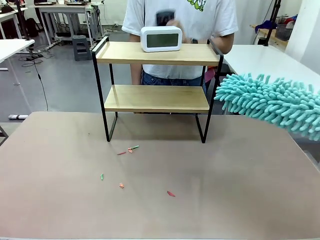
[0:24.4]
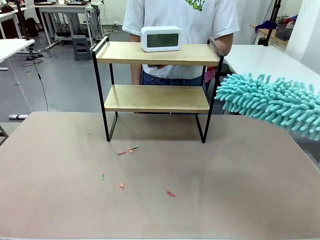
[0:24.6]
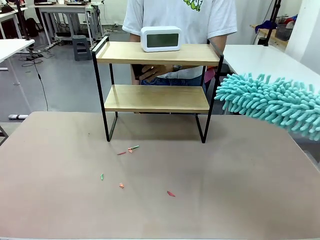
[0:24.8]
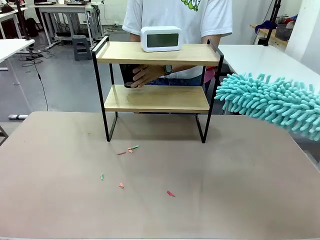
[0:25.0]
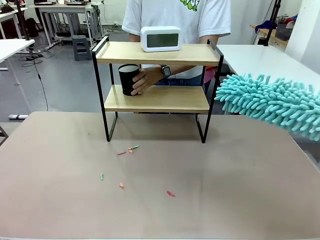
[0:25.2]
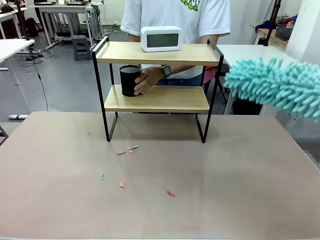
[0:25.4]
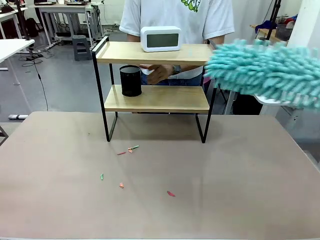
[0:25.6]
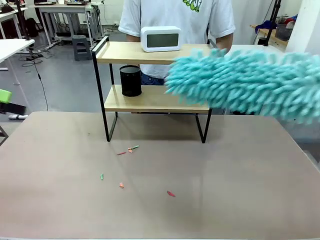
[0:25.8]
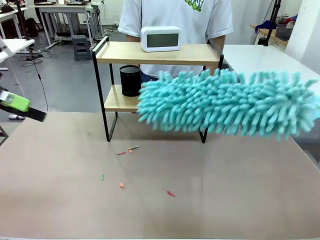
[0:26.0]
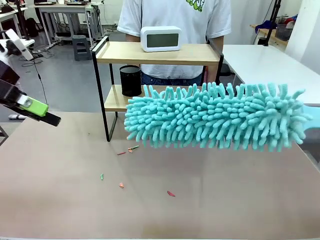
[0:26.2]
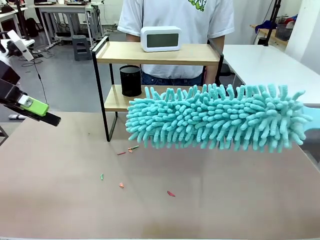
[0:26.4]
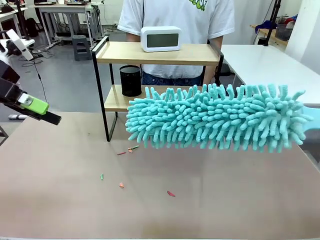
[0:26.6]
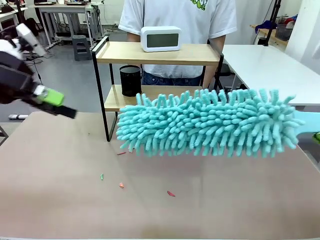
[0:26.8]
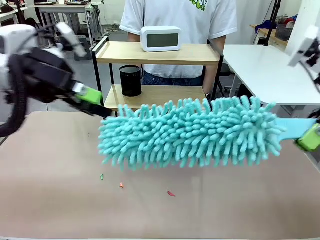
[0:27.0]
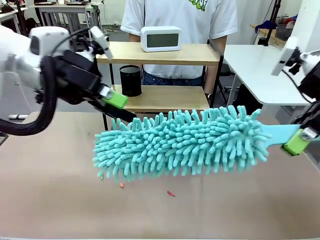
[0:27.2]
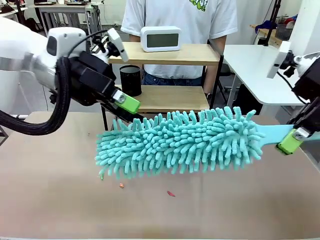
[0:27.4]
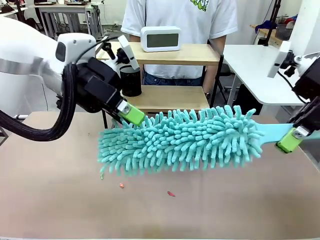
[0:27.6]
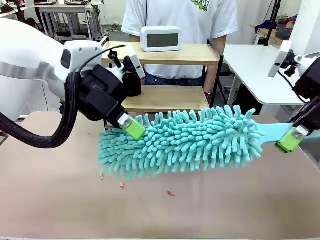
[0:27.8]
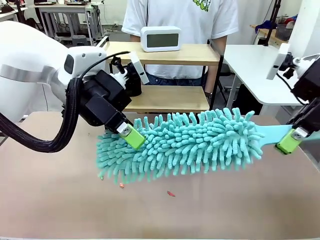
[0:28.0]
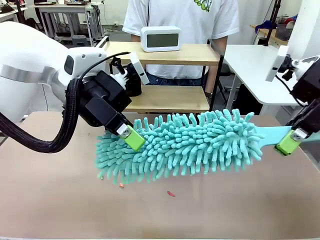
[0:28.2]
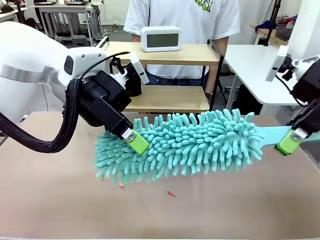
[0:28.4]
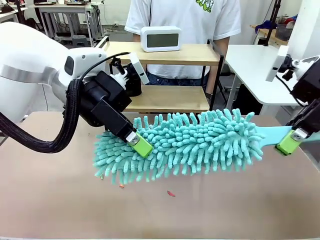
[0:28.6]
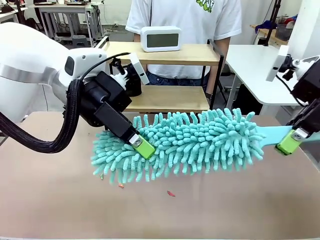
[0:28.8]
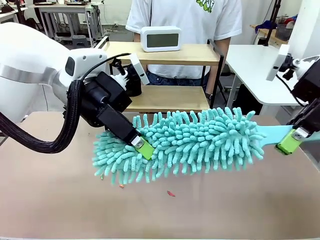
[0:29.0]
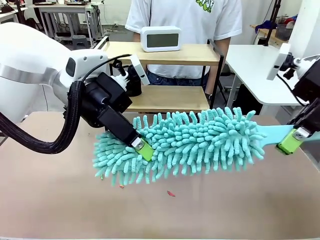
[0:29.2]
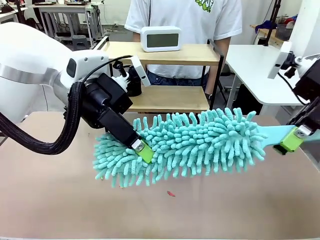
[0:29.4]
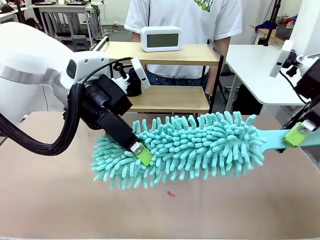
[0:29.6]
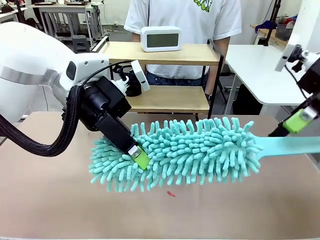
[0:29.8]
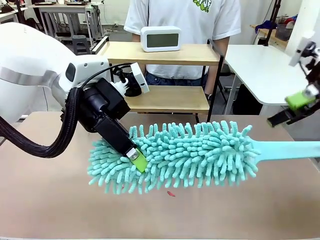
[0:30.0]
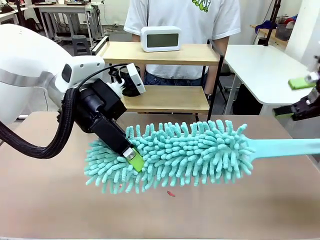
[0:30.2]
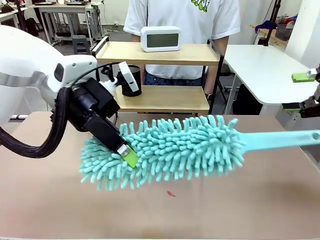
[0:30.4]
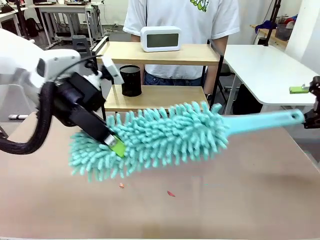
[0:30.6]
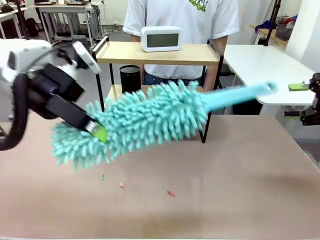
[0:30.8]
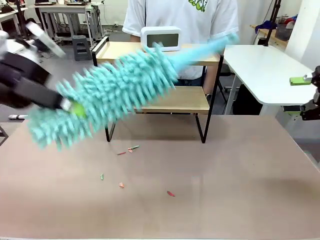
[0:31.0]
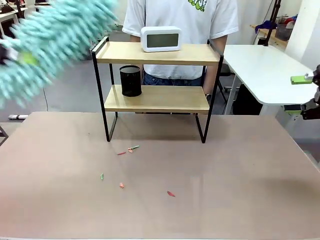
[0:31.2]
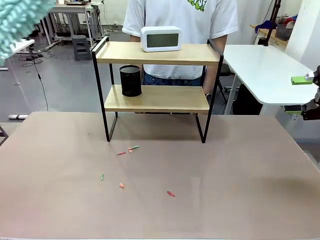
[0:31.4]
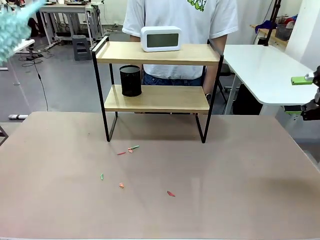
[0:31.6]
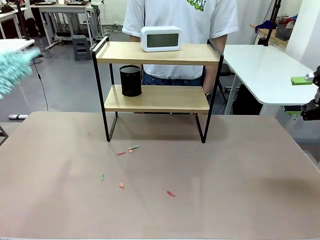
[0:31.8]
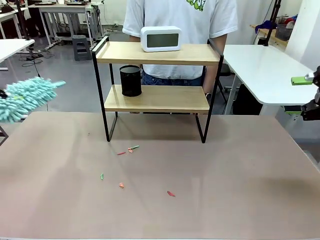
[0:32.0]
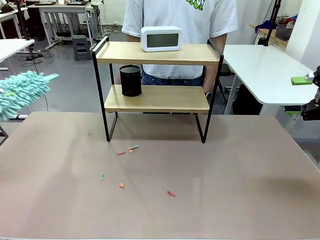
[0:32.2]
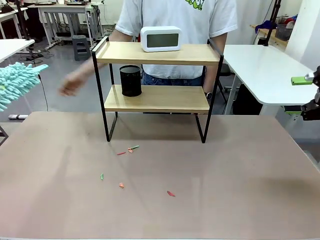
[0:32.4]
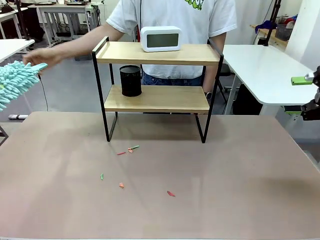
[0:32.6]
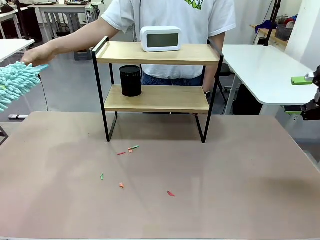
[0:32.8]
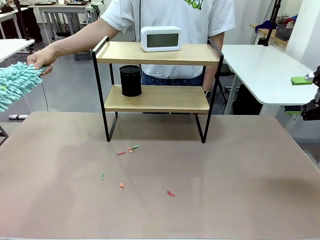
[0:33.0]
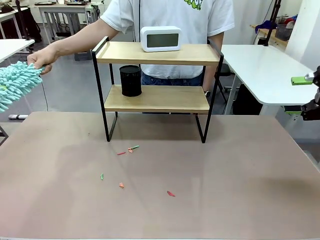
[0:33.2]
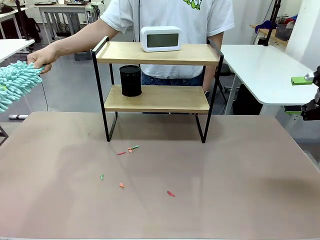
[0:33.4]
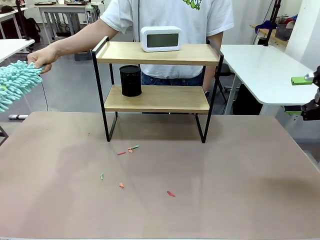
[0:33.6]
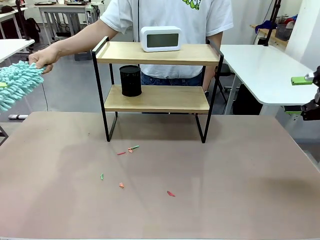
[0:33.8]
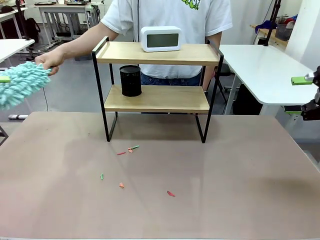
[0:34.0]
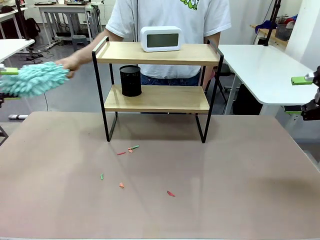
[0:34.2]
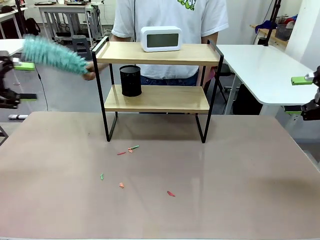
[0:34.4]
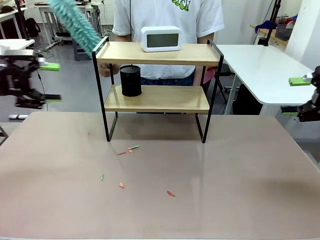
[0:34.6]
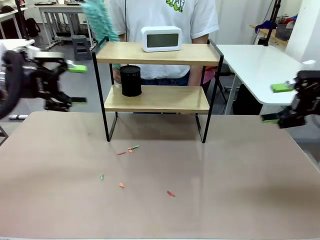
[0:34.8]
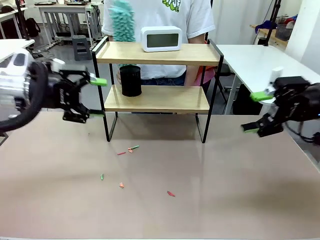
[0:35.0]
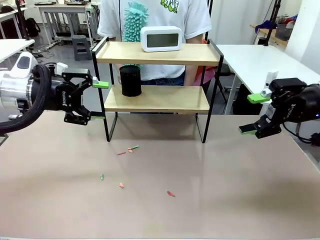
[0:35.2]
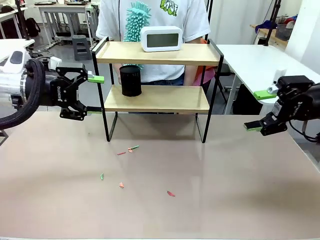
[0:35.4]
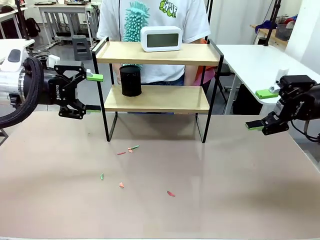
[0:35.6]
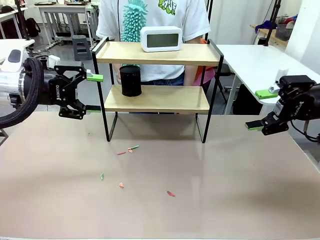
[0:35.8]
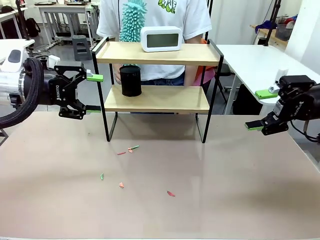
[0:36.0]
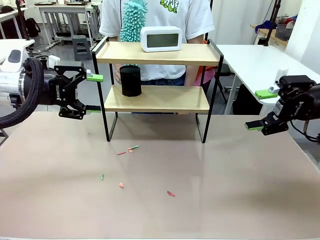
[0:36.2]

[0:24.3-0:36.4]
Task: Clean the shelf.
Robot: Hand the Duster back to the human.
Person: Receive the Duster from the robot.

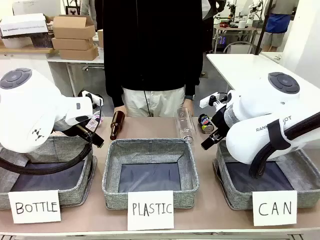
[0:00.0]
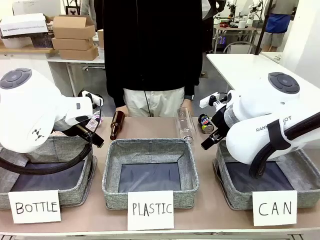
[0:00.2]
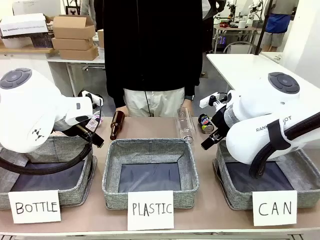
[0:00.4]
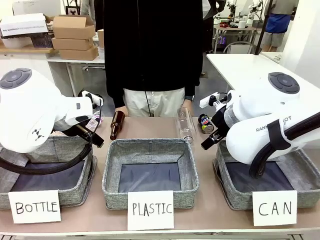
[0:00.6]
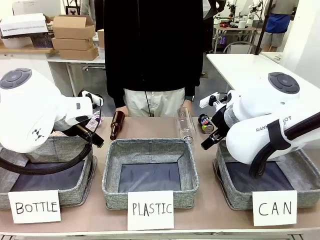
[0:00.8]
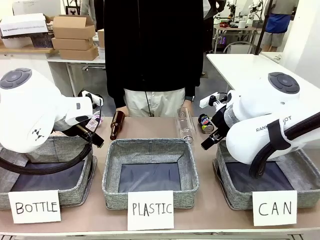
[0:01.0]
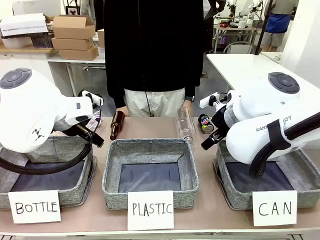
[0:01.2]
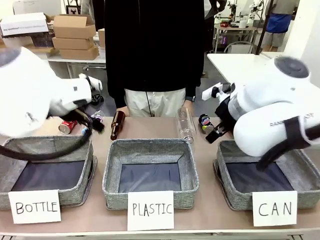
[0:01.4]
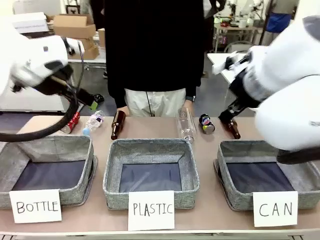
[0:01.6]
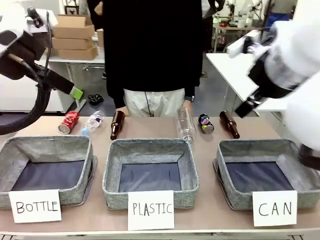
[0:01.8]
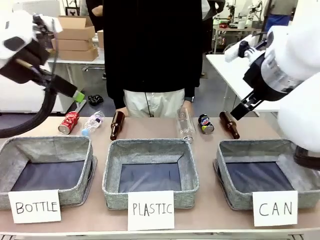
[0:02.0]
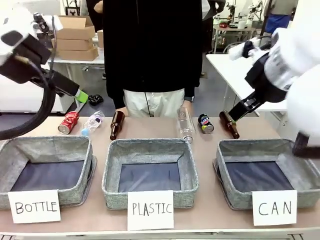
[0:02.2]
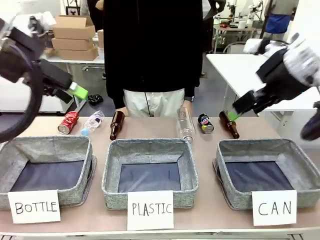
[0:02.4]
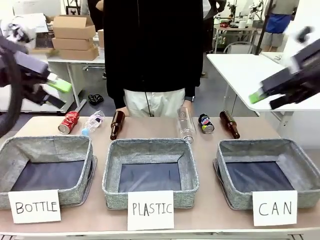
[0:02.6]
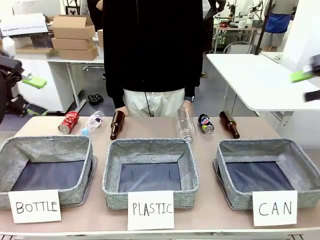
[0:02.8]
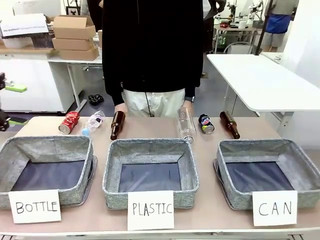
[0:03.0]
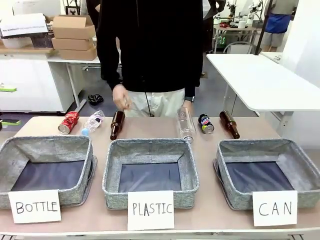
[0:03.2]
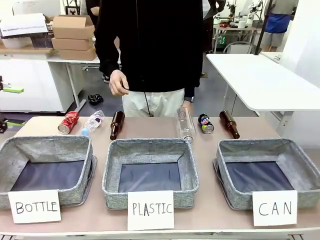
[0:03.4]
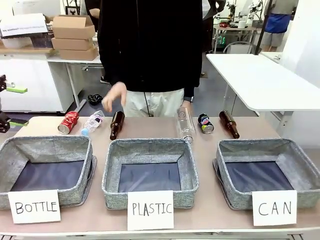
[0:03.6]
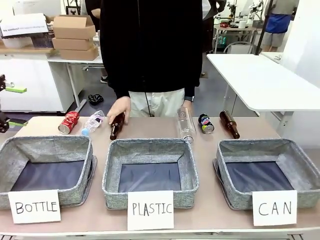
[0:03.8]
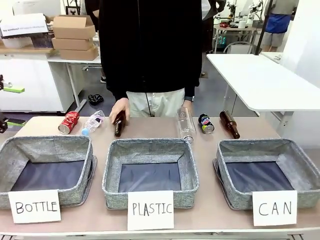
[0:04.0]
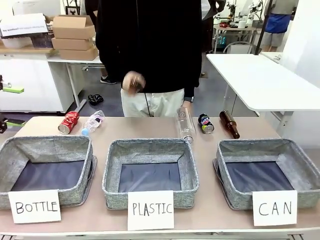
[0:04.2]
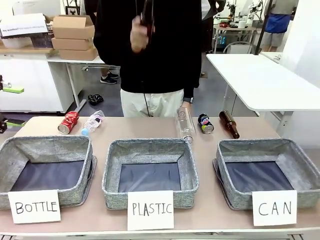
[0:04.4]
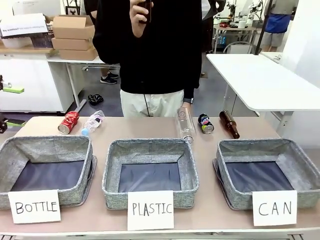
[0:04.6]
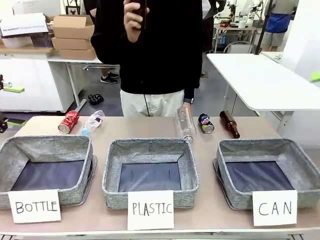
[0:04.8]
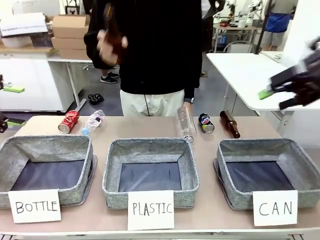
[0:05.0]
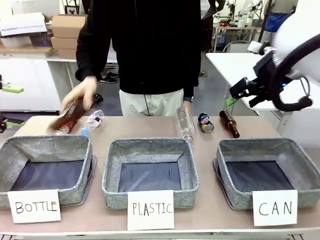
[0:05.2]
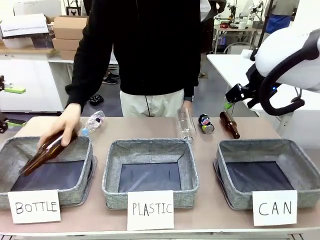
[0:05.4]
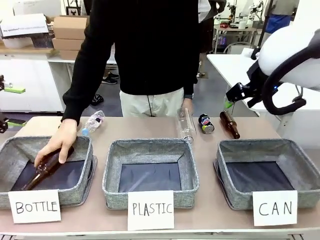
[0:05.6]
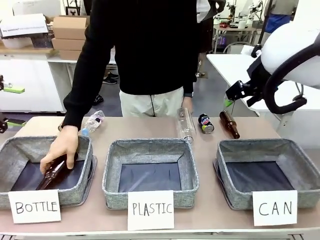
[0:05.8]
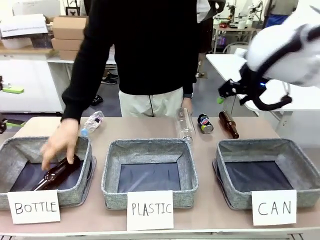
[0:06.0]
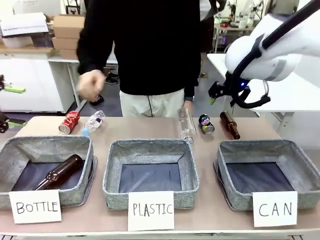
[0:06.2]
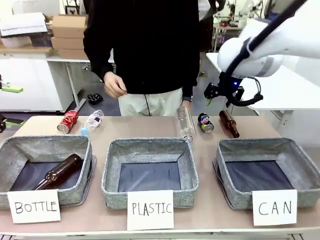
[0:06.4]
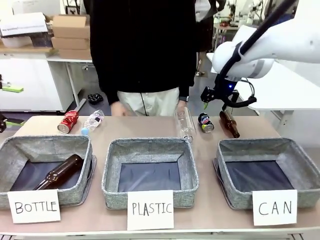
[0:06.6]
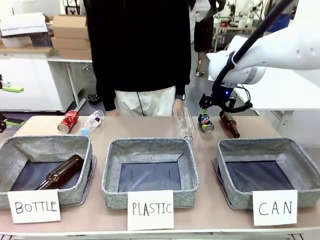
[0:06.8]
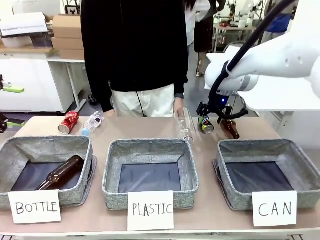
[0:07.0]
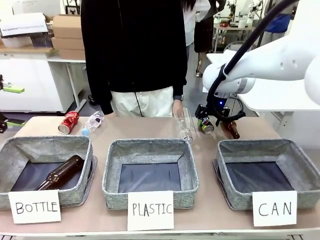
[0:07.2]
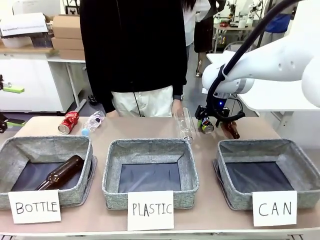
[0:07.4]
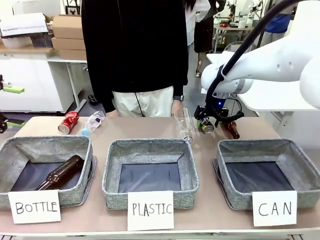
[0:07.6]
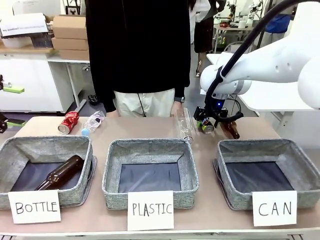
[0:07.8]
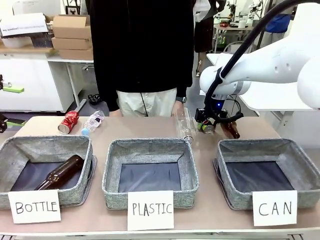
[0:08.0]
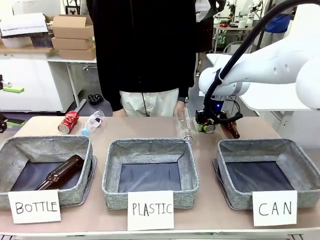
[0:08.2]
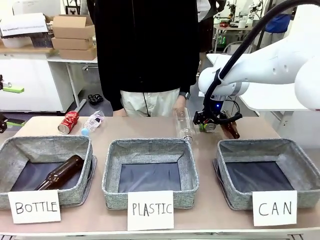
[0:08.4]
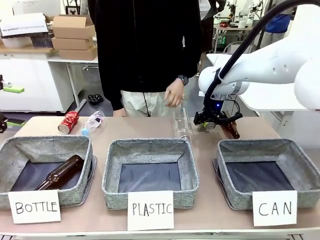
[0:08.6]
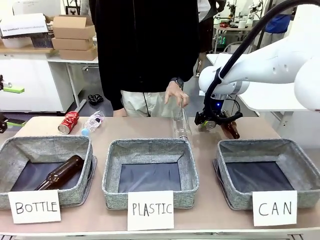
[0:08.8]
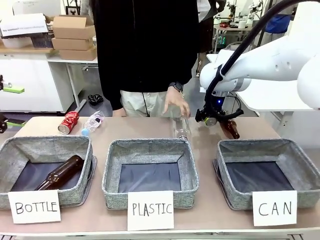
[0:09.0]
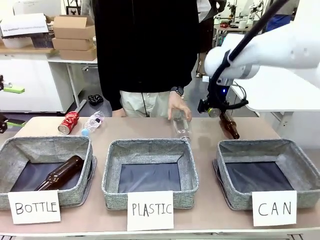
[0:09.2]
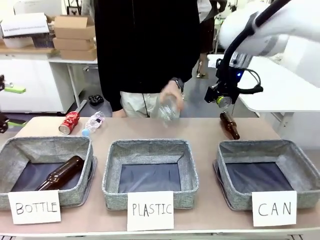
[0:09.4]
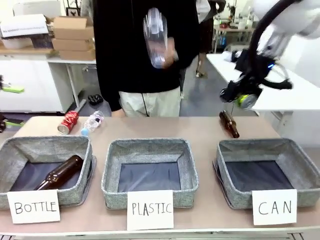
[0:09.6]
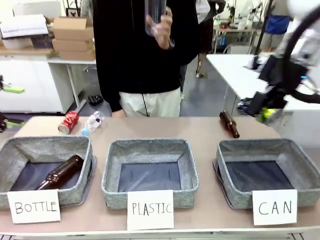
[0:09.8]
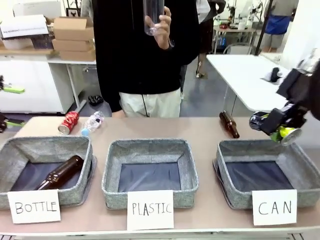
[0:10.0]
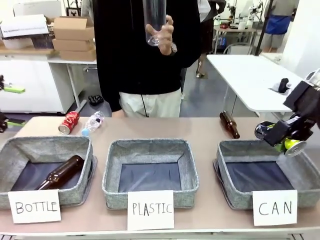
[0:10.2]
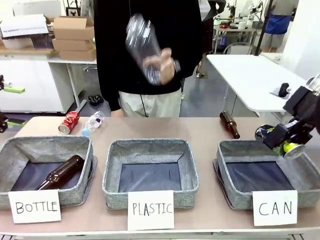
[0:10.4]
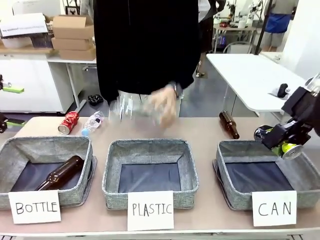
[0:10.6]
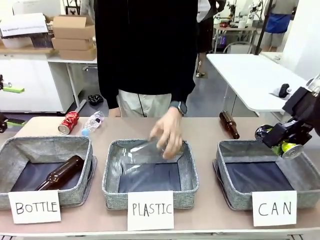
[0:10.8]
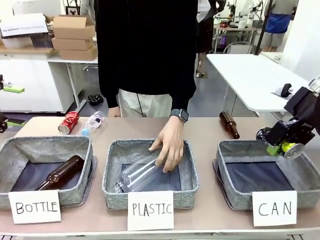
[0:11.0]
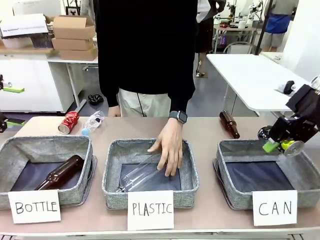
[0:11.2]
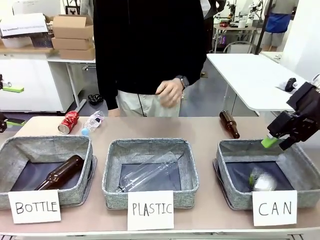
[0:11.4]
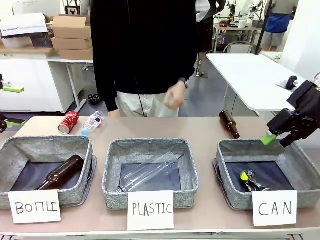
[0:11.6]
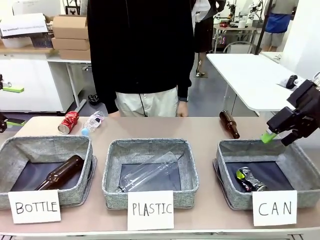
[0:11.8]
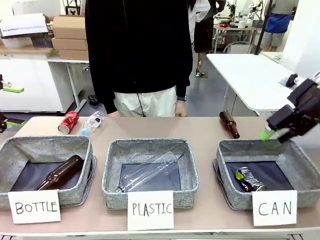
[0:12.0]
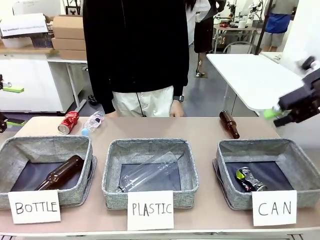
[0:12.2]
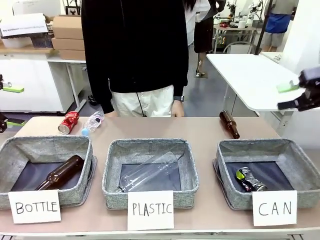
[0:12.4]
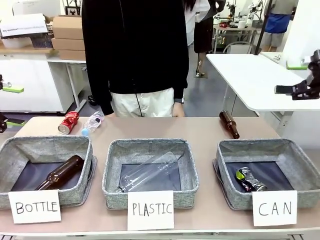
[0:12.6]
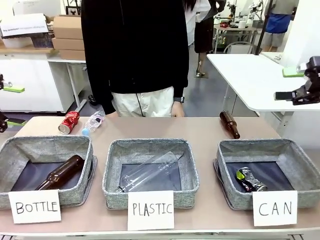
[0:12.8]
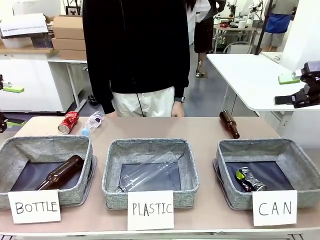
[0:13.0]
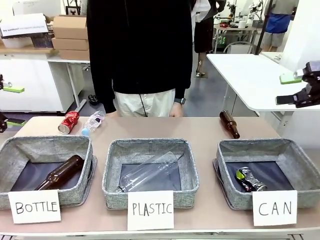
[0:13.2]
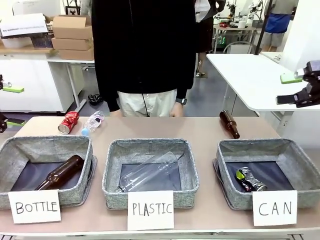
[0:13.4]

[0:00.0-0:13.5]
Task: Sort the can waste into the basket.
Robot: Pick up the can waste from the table and place it in the right Fabric basket.
